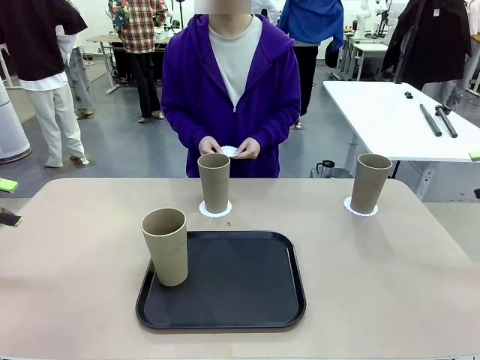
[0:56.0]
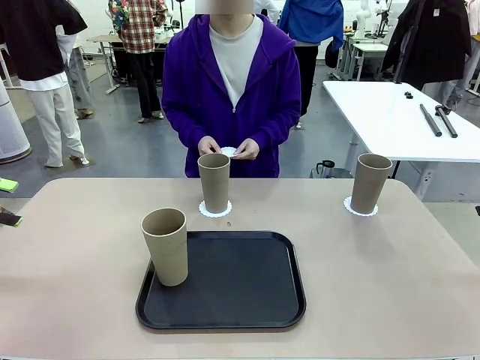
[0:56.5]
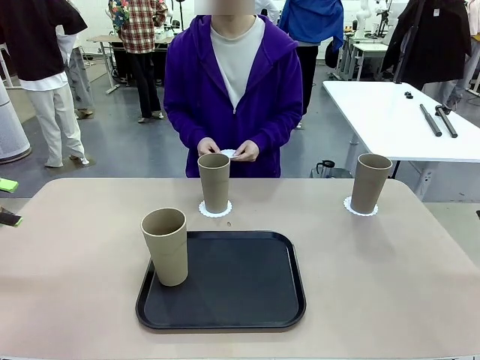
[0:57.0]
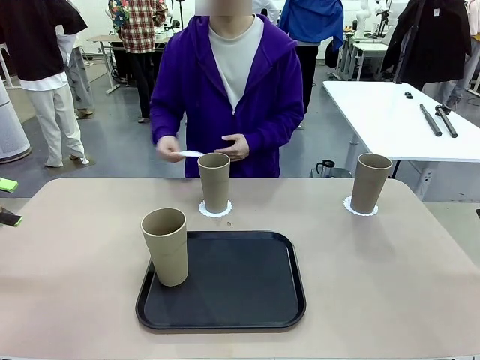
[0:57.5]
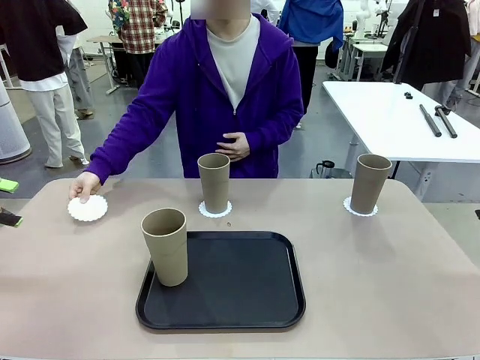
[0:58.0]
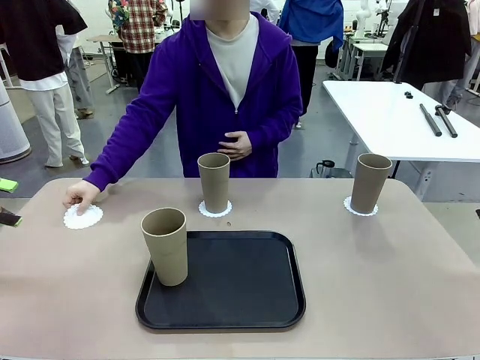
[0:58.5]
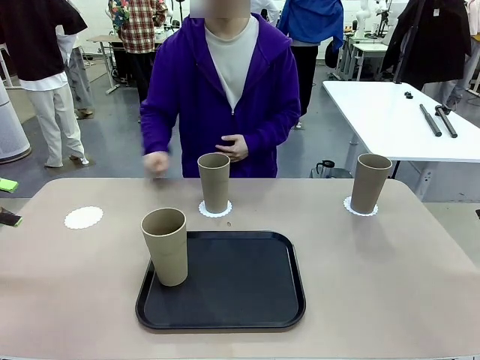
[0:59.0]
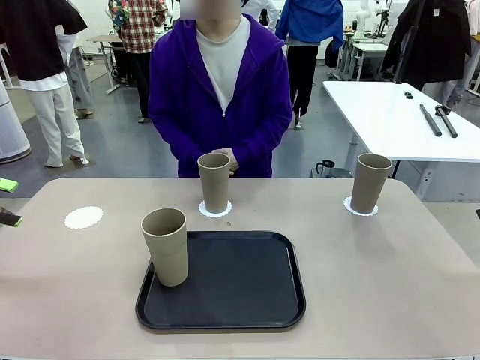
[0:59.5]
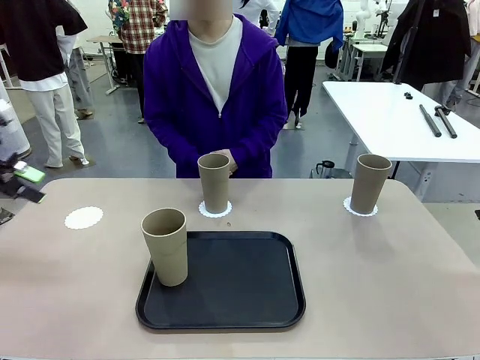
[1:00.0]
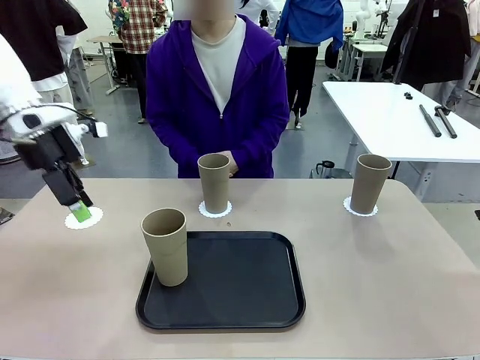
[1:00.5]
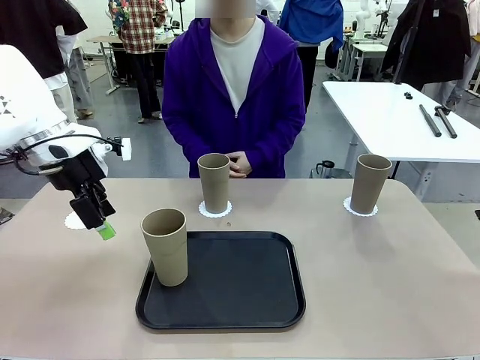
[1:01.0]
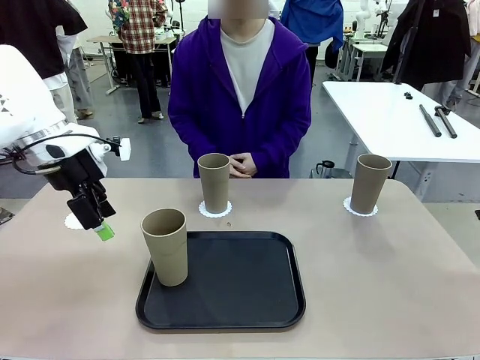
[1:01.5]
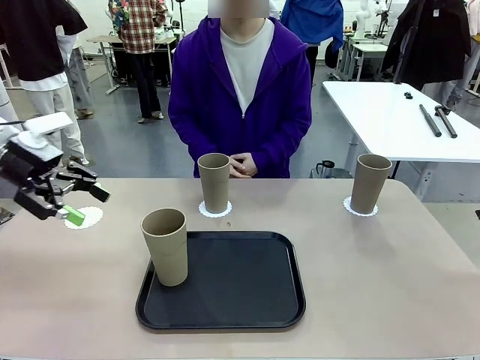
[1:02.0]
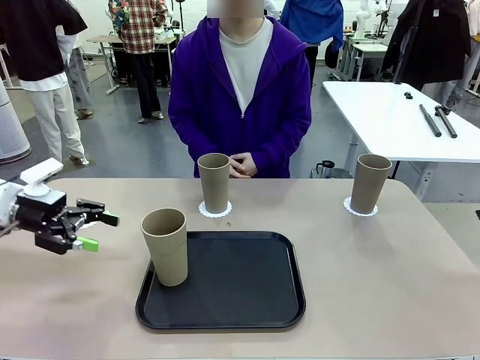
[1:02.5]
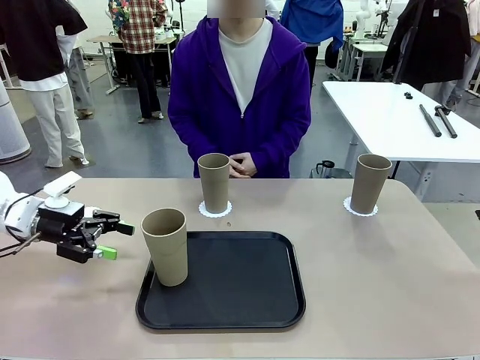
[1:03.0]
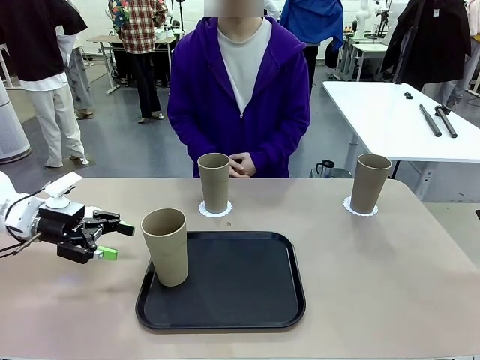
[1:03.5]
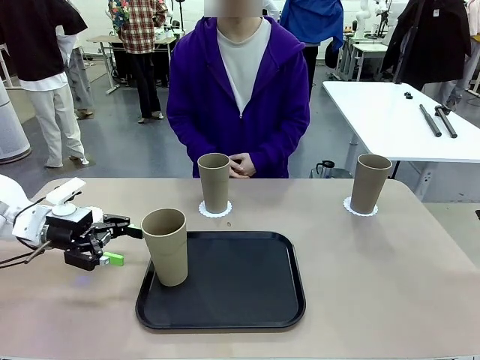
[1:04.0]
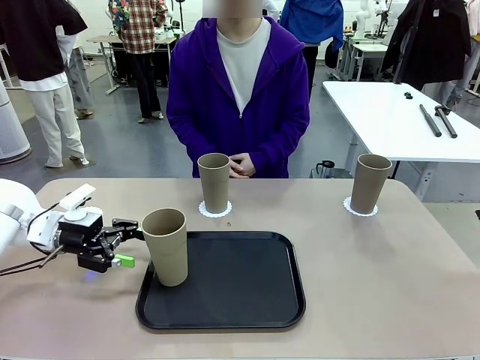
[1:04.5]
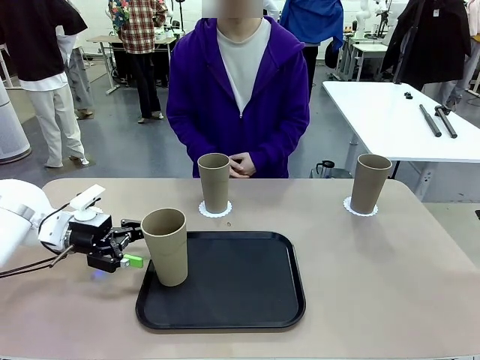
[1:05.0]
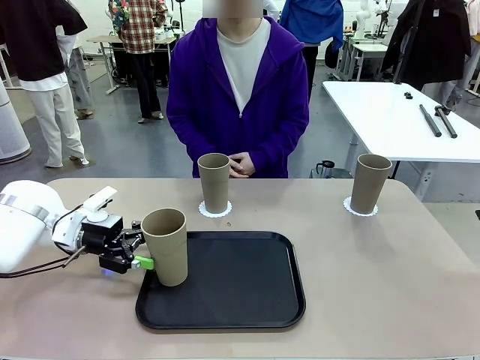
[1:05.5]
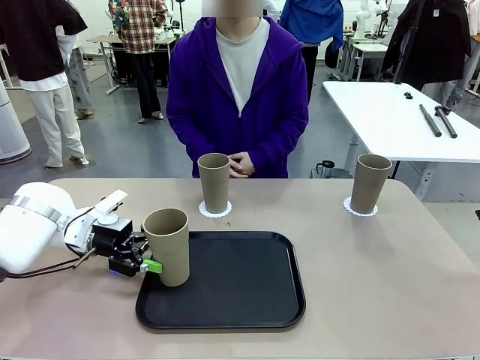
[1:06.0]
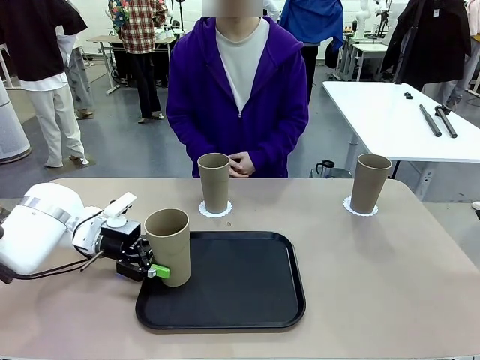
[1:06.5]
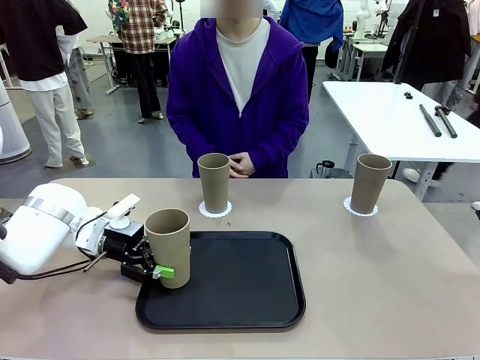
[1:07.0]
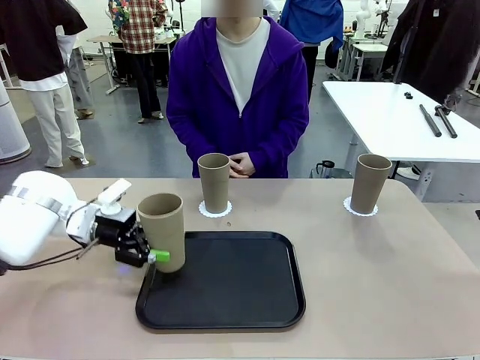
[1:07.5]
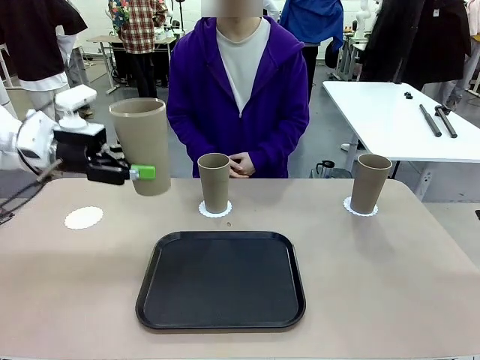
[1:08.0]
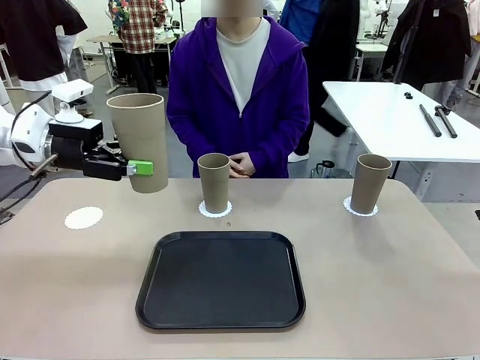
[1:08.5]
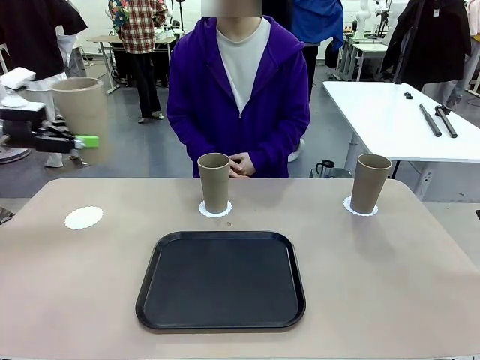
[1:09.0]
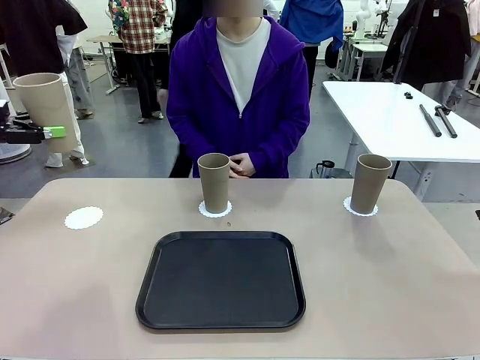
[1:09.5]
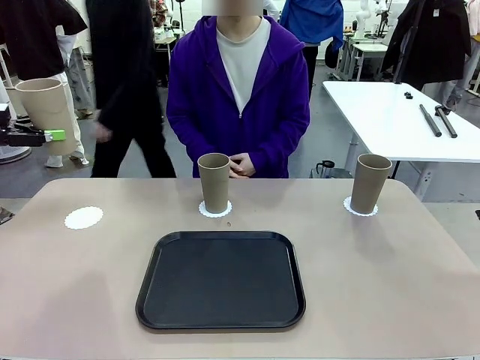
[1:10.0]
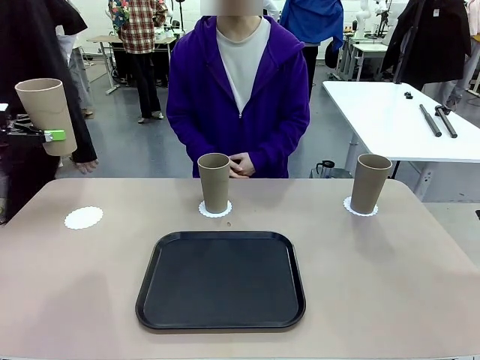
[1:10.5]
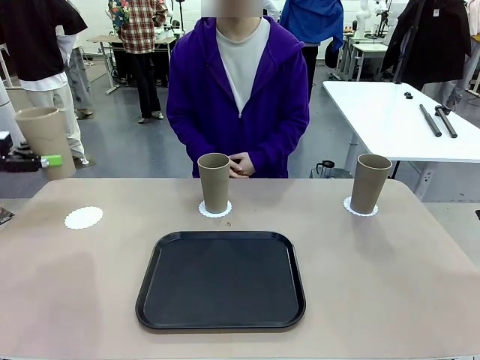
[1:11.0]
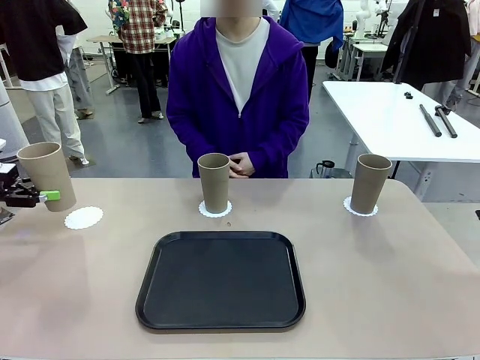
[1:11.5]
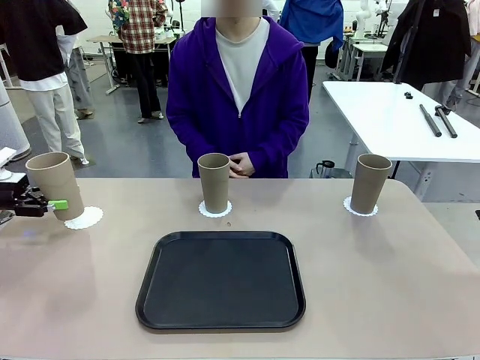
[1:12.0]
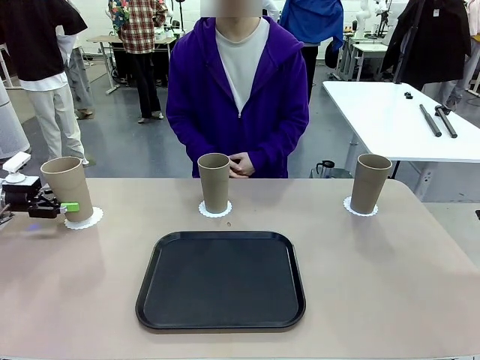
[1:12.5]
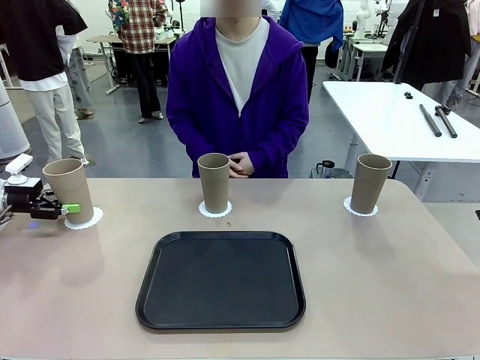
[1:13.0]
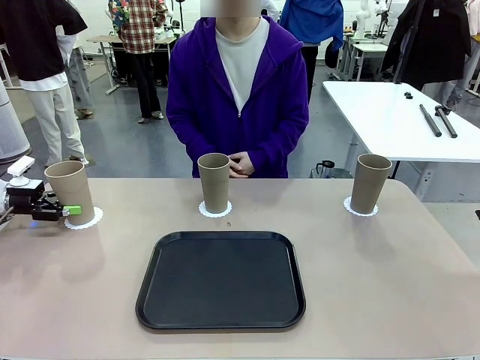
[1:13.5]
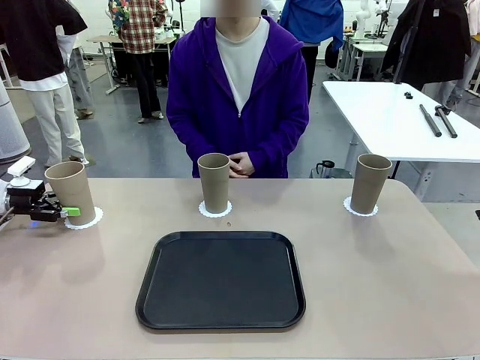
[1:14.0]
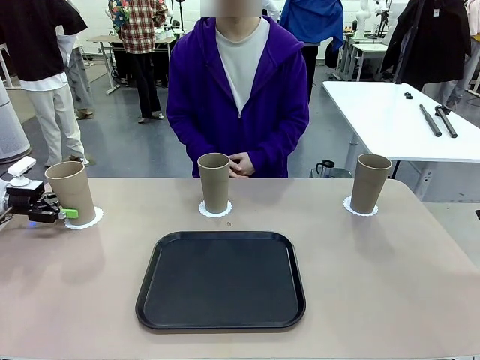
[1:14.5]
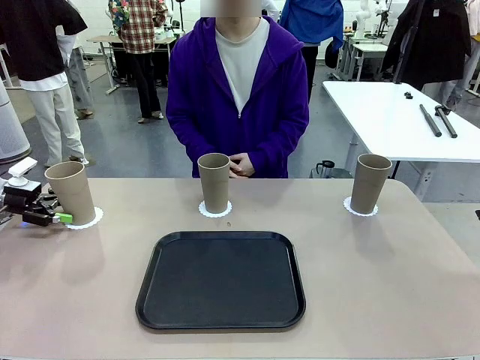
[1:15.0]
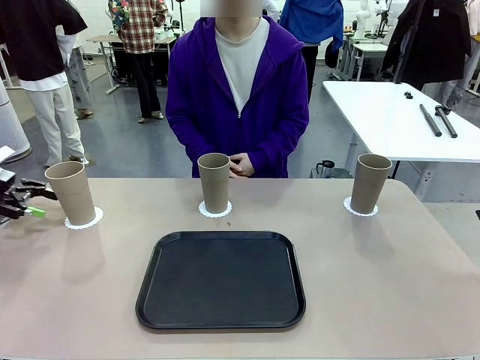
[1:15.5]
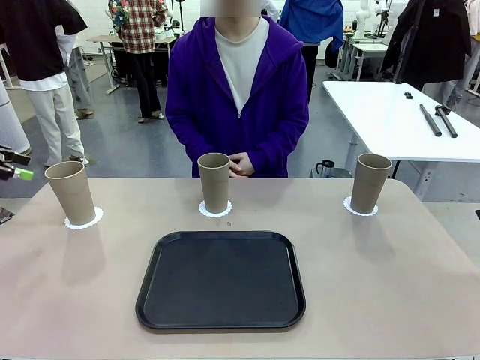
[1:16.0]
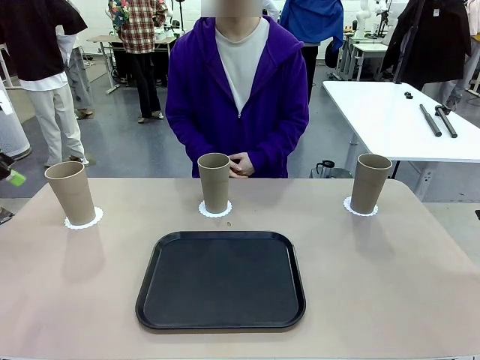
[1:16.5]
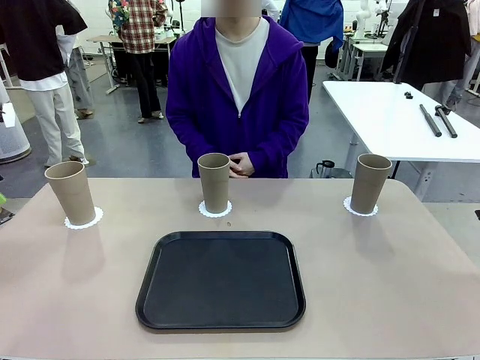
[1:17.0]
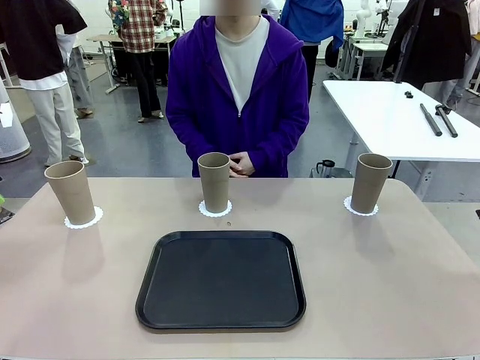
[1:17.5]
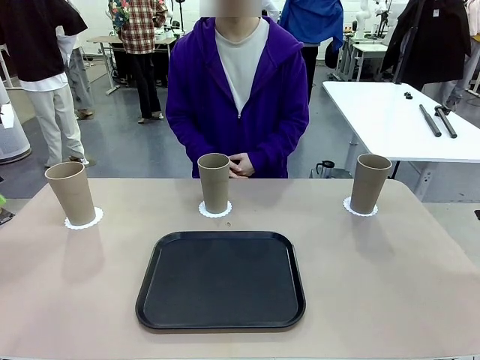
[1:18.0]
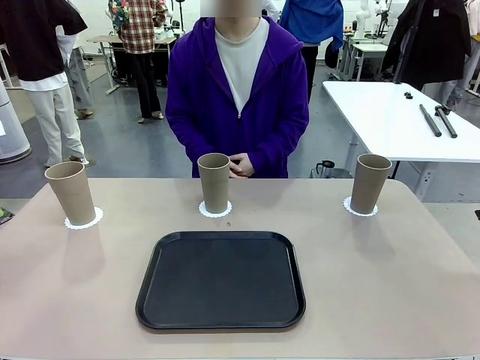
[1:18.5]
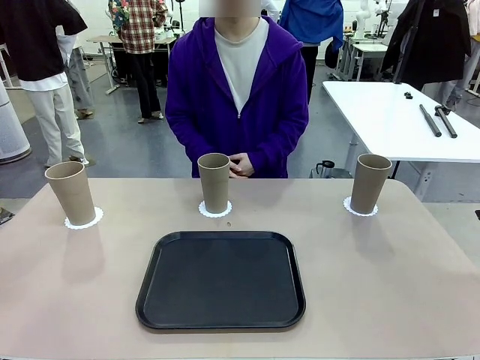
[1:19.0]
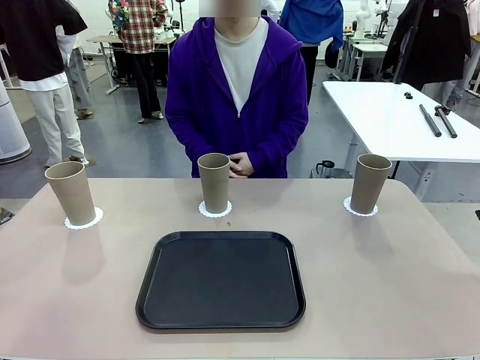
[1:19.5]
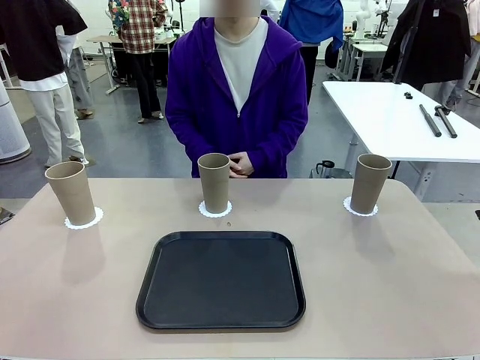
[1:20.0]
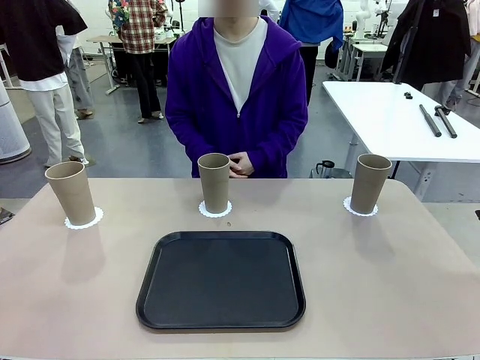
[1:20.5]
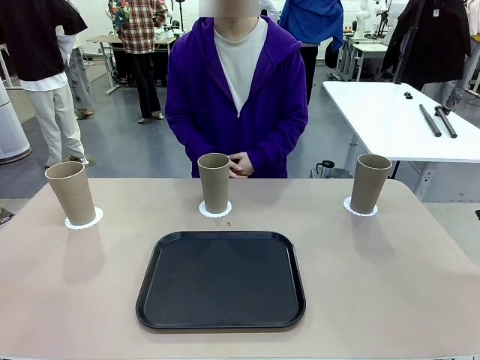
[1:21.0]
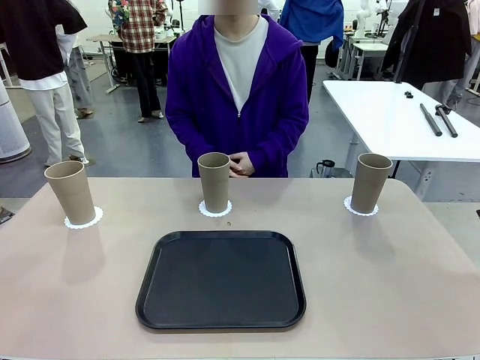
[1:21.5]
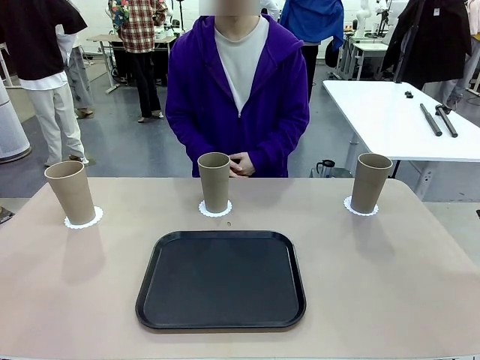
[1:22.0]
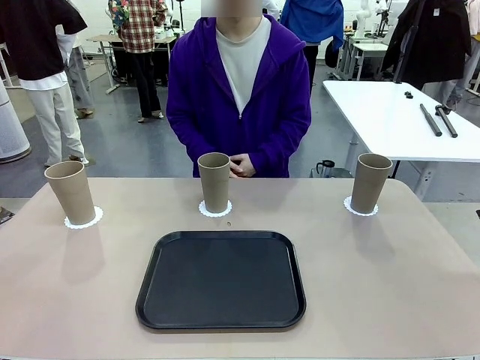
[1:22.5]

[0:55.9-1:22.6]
Task: Place coasters on the table and set cups on them.
Robot: Take one Reusable plastic cup from the Flat Tray and place it on a coaster set by the human.
Person: Place one coaster in the only remaining area.
